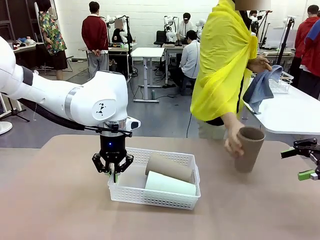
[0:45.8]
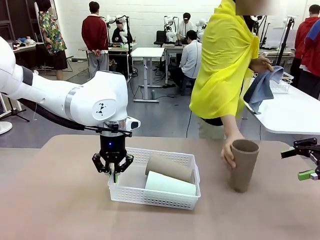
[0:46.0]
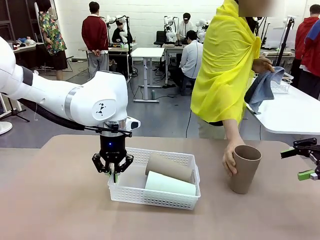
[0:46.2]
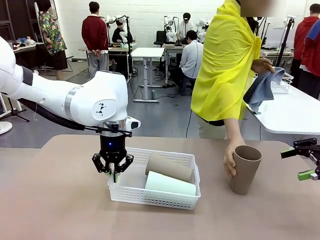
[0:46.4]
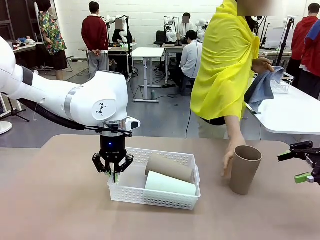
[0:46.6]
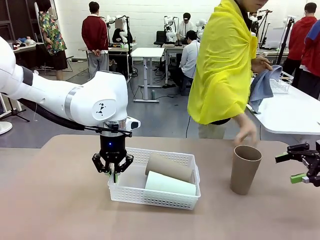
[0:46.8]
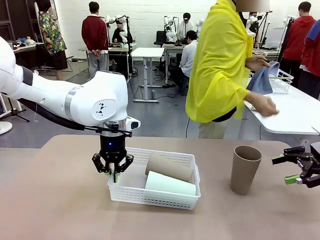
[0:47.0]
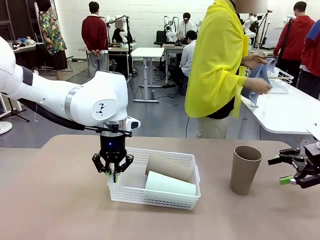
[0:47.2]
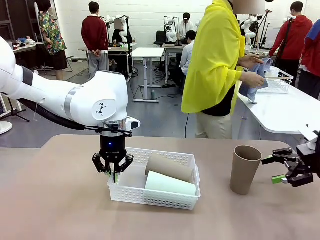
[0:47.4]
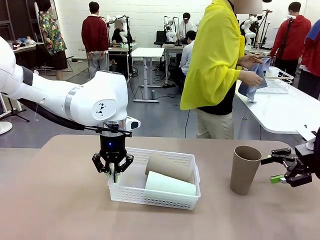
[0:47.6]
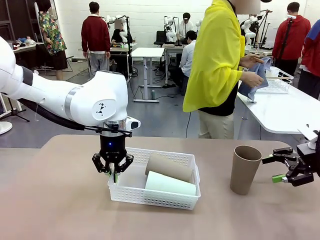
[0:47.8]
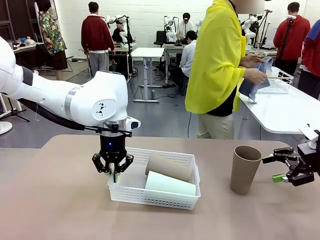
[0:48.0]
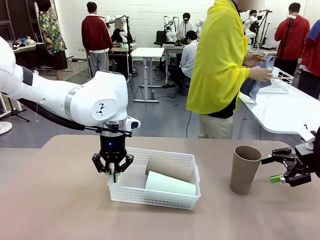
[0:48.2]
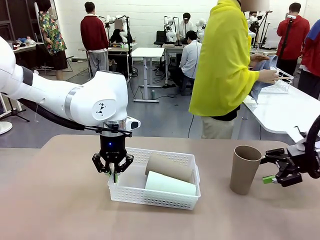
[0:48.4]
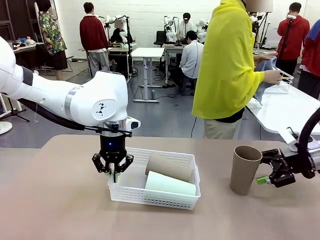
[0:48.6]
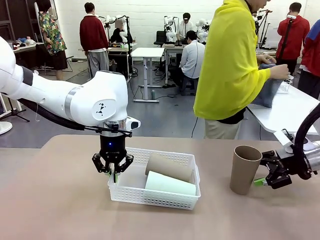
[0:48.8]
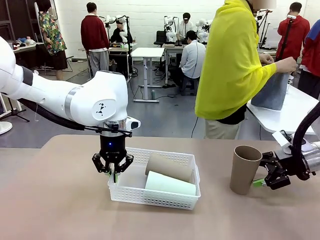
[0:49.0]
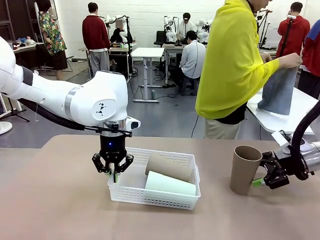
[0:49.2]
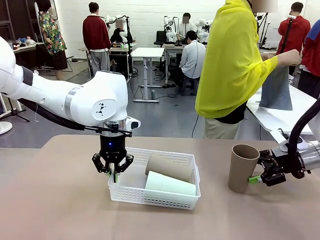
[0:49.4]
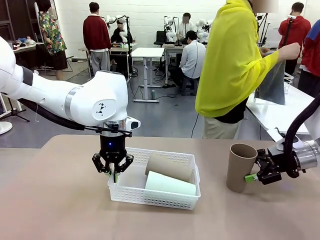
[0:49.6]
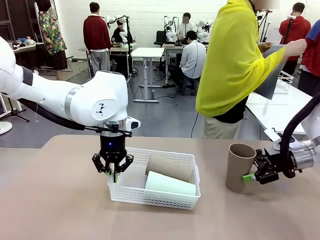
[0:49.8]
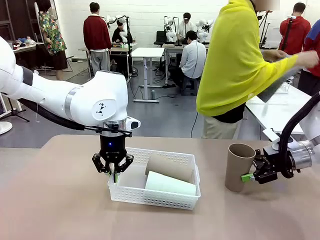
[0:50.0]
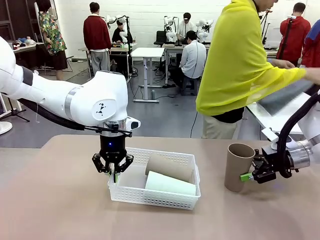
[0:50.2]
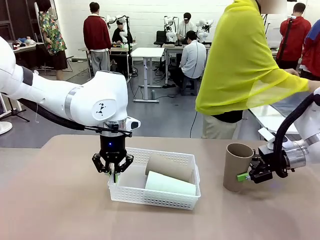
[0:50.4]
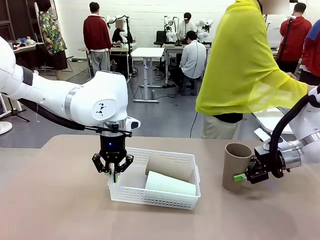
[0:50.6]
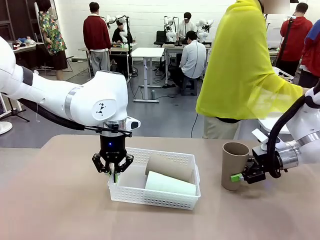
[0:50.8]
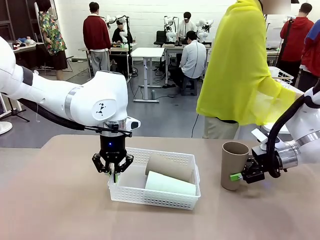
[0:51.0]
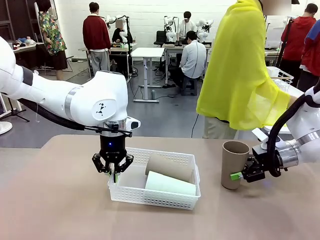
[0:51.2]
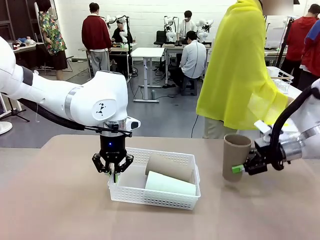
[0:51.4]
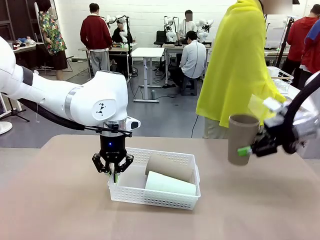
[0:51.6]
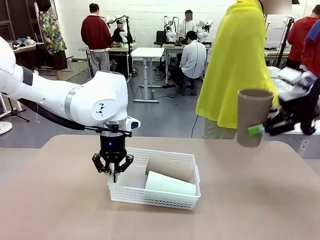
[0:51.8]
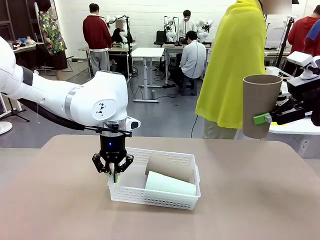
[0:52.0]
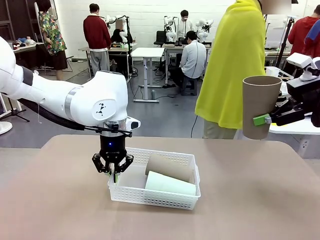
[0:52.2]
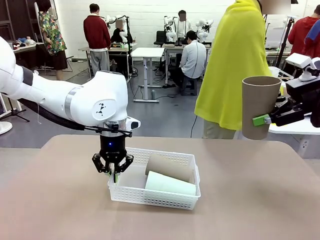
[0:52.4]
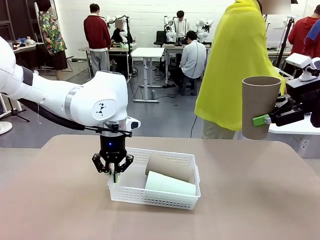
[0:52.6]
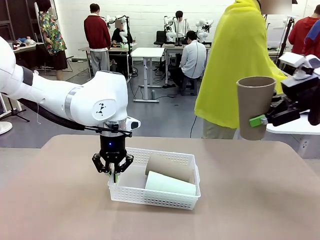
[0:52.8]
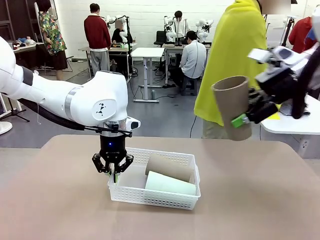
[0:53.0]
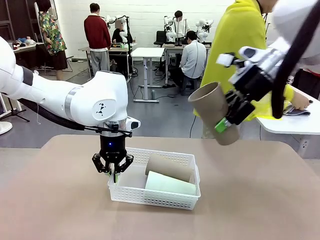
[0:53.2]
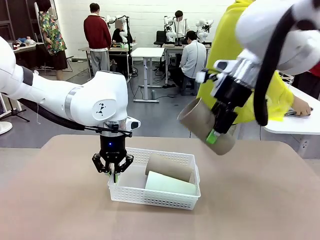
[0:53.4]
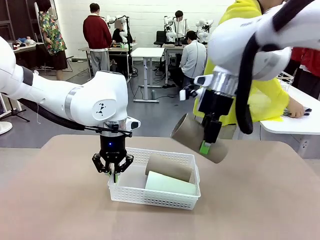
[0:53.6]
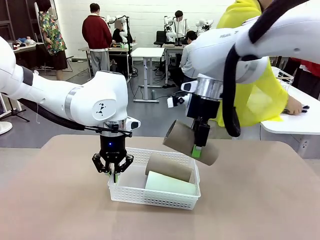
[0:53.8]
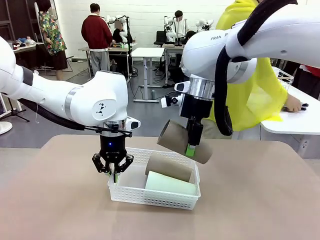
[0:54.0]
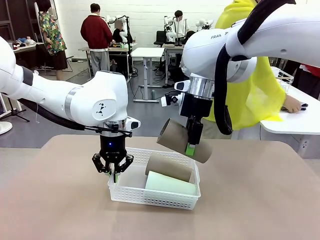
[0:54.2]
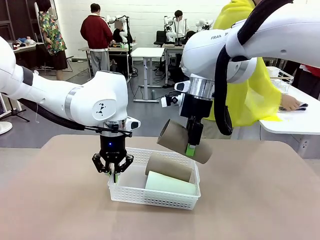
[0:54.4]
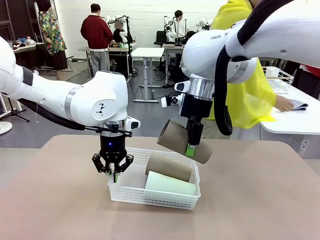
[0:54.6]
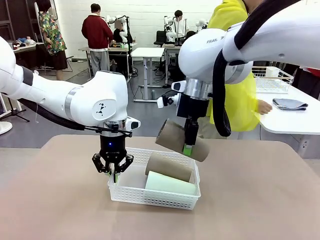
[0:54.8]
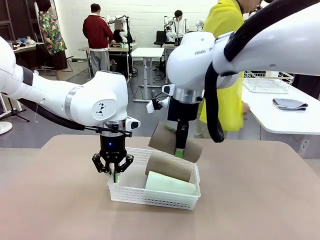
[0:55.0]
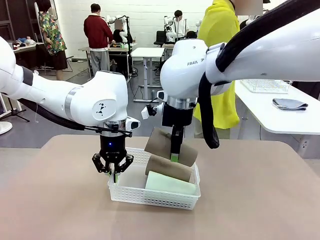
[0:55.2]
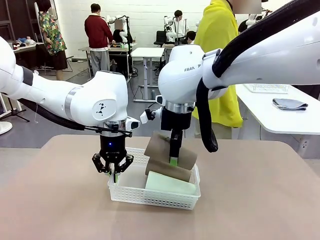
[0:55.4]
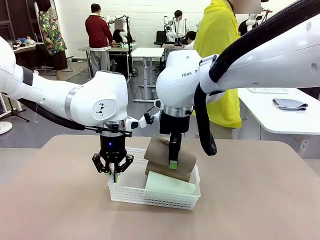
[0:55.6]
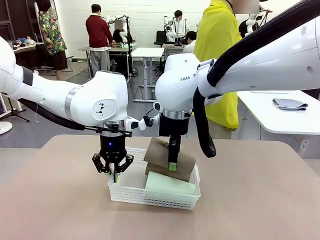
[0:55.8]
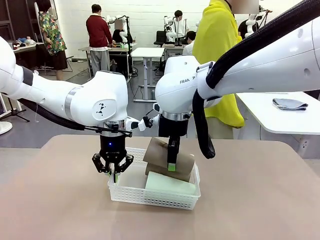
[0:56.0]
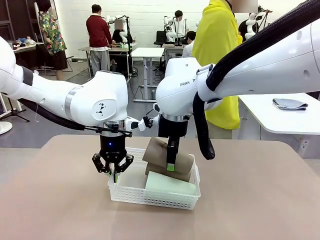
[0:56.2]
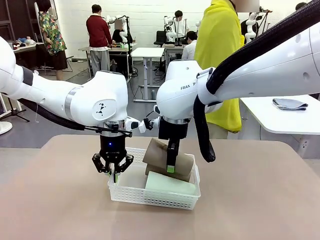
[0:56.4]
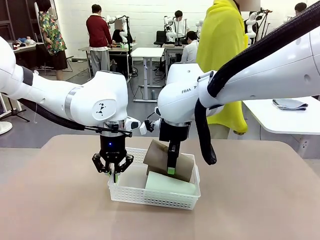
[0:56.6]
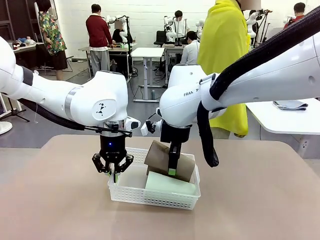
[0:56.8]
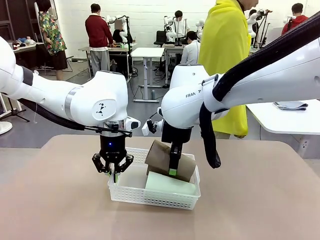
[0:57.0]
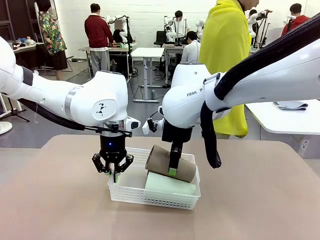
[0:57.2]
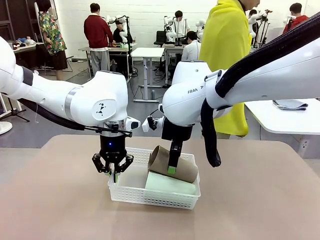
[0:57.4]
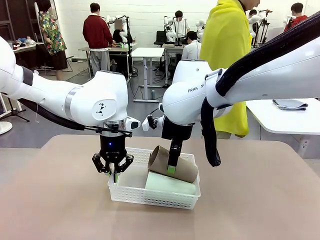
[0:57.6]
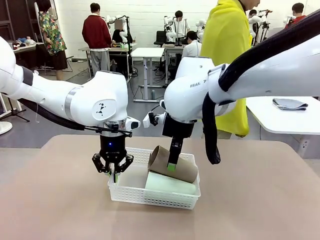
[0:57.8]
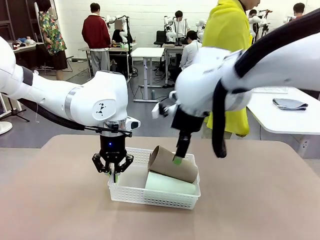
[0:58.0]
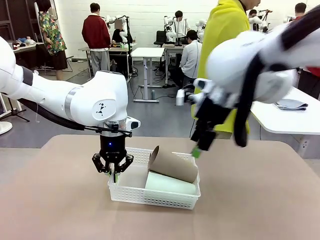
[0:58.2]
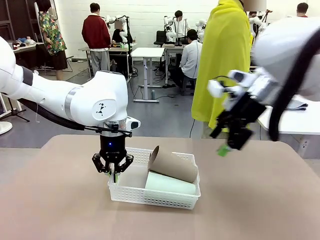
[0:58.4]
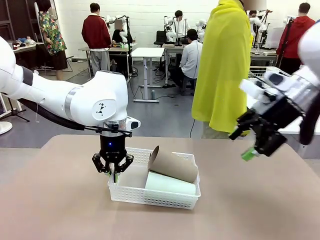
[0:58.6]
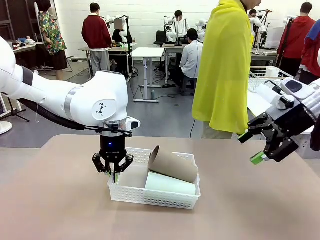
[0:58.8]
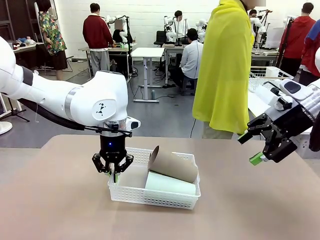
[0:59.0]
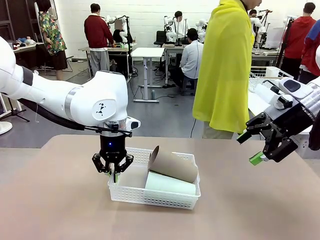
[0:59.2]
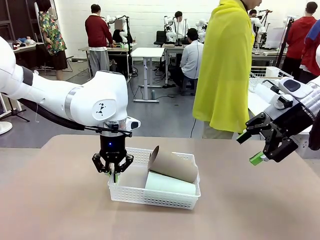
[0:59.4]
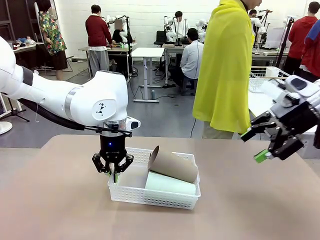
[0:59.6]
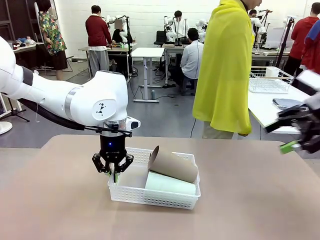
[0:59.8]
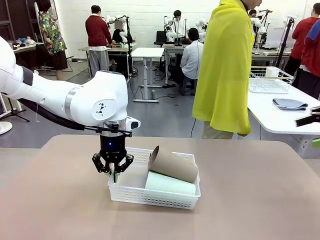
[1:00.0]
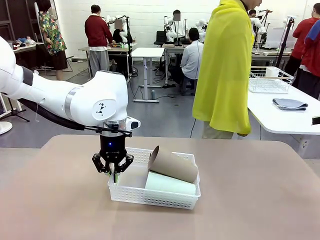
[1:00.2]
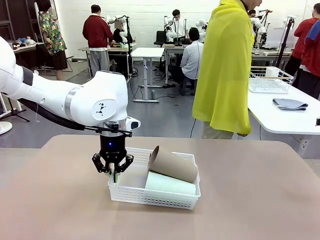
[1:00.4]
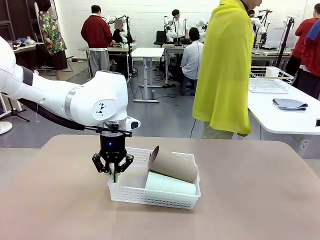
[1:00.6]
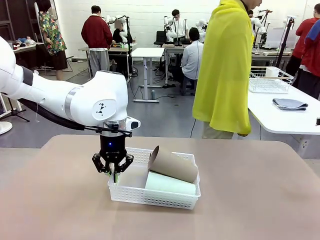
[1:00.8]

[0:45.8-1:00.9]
Task: Clean and organize the cups into the basket.
Robot: Pick up the Reusable plastic cup from the right side of the table and stack it inside the Organizing basket in the center of the table.
Person: Folds the towel in half twice and places it in the right of the table.

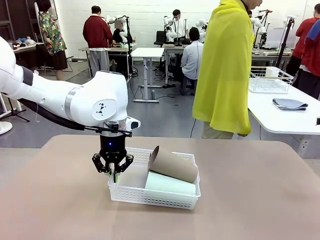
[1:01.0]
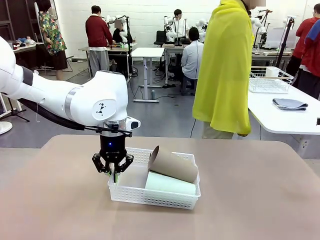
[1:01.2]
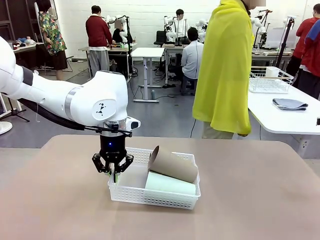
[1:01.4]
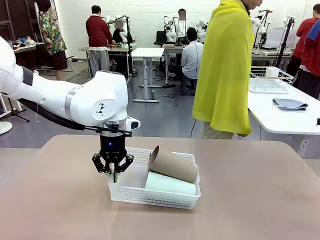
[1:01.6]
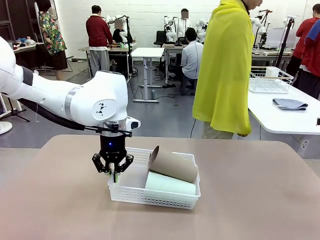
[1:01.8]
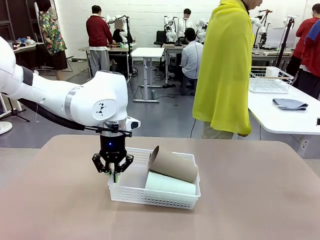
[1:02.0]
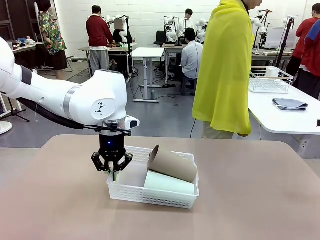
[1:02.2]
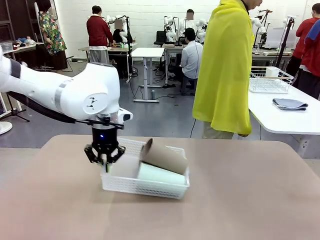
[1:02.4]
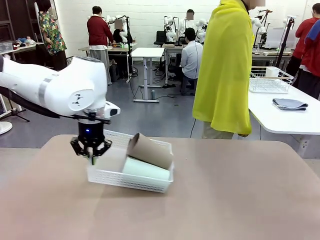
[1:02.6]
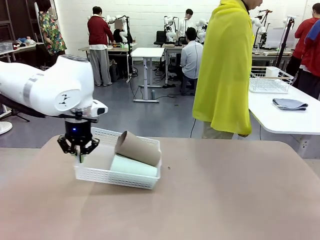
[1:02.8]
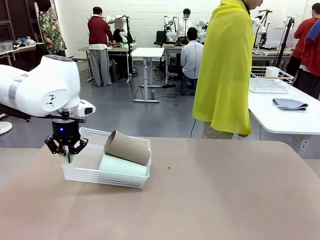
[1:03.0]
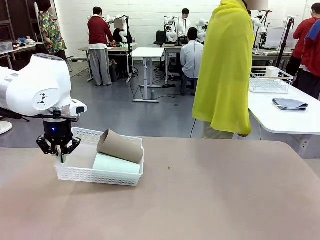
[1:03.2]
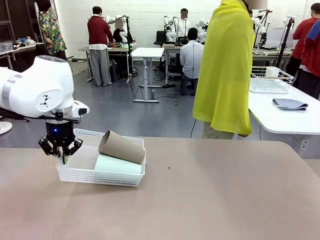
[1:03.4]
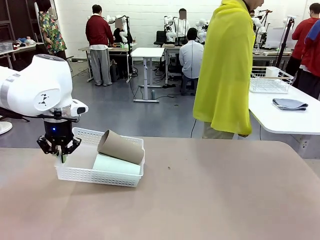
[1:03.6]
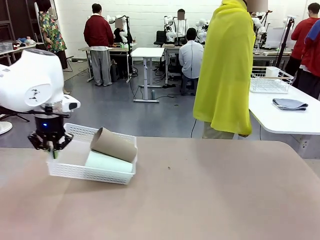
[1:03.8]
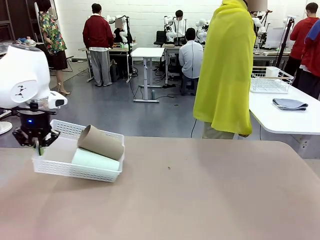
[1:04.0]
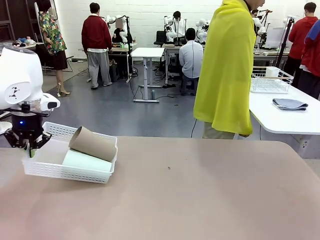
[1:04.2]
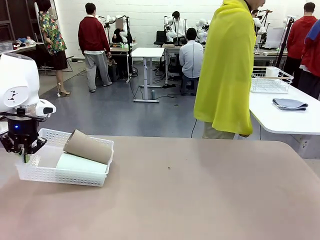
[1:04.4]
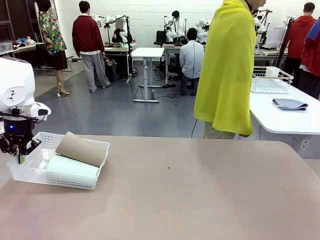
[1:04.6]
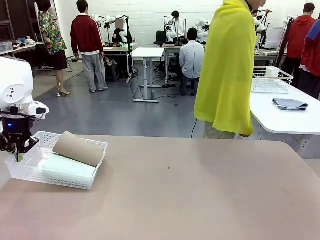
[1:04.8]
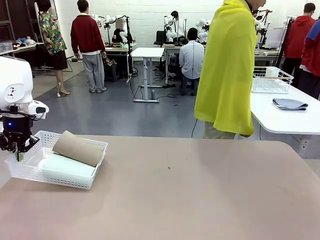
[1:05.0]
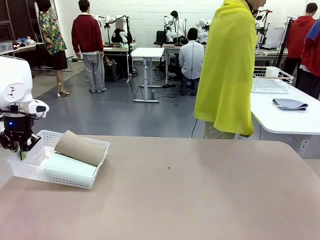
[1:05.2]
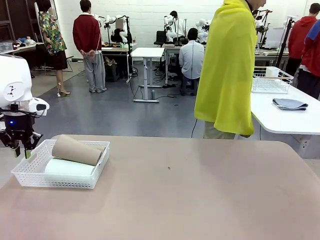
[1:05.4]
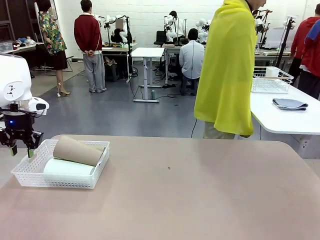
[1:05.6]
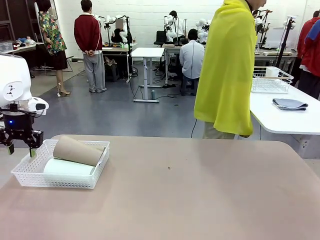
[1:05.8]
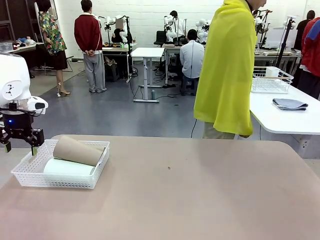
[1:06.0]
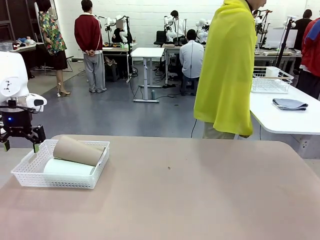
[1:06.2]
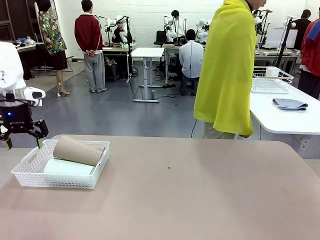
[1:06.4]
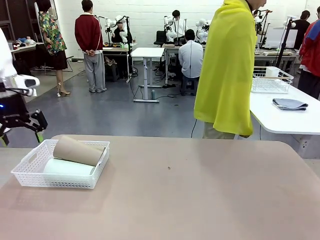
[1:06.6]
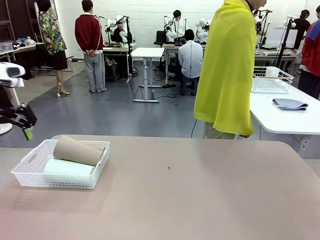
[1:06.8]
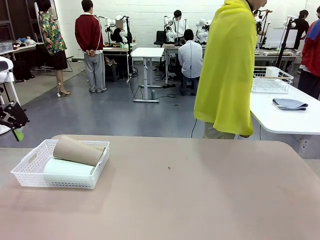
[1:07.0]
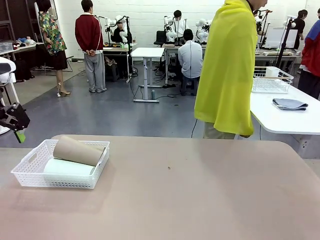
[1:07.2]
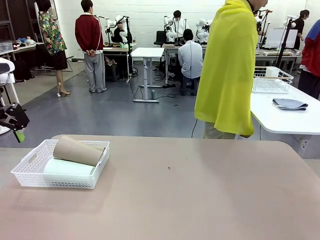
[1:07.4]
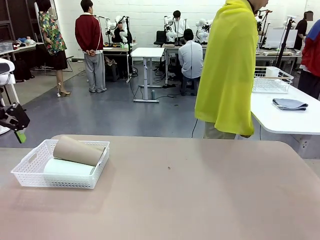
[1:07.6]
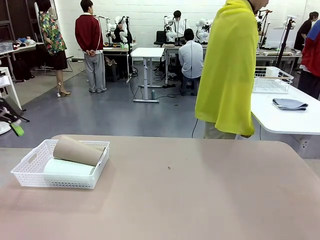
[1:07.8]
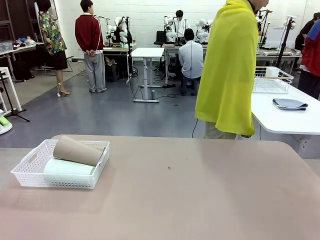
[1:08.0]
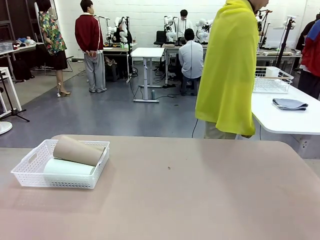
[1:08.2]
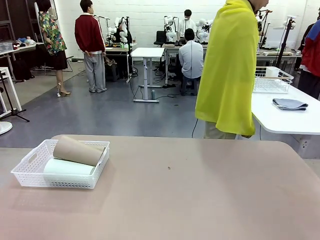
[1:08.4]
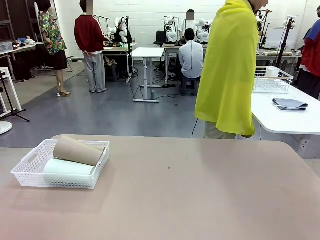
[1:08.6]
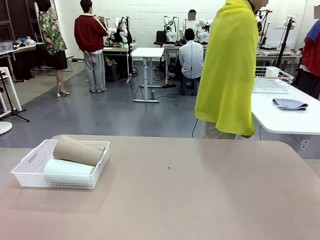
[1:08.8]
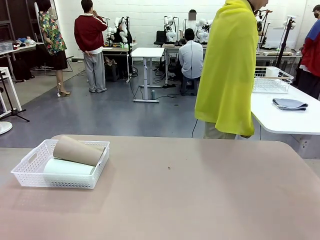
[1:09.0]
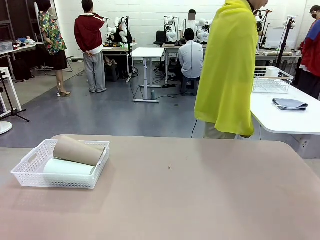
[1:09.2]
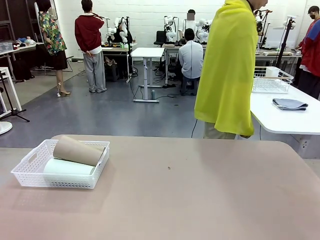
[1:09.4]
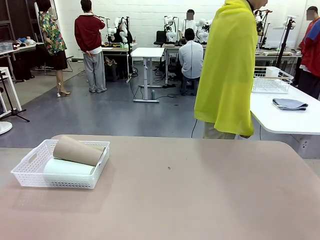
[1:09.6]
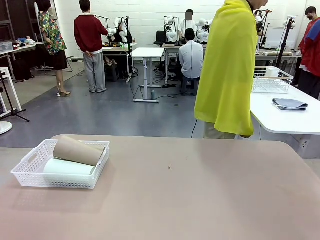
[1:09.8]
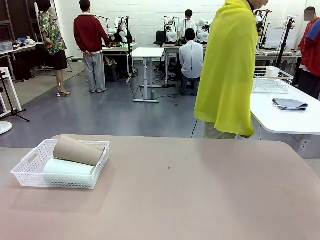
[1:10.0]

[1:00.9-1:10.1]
Robot: Move the Organizing basket back to the left side of the table.
